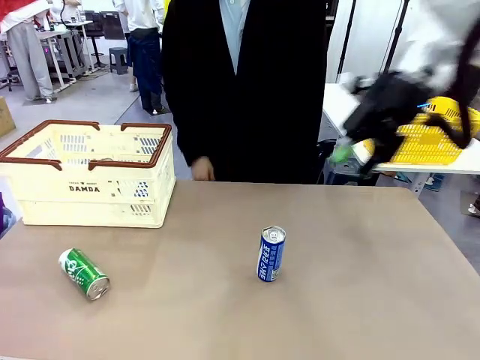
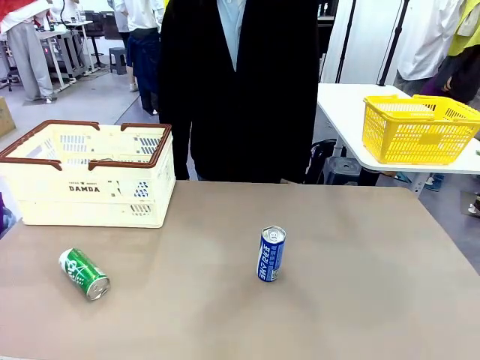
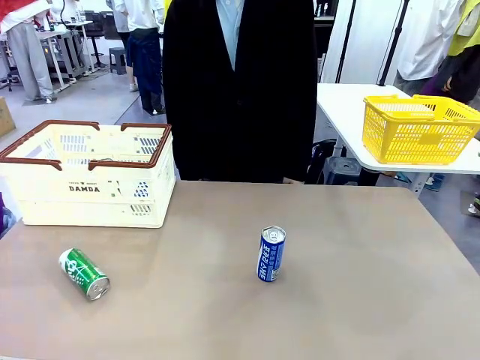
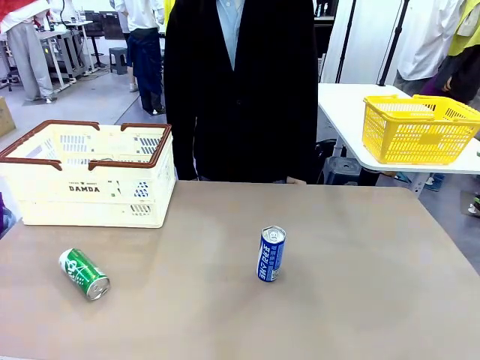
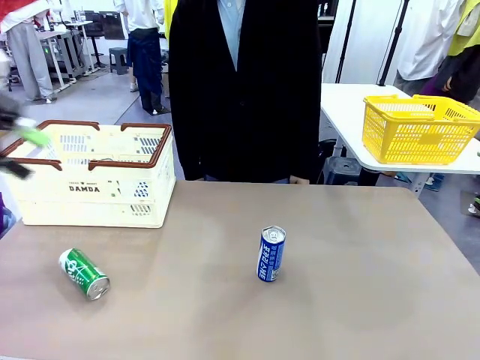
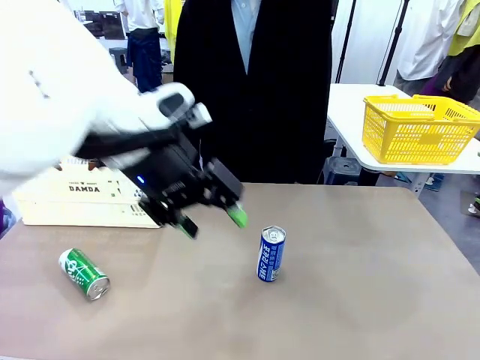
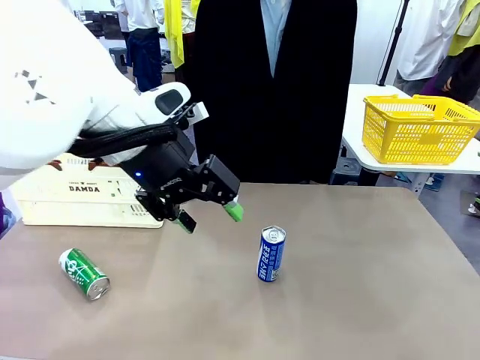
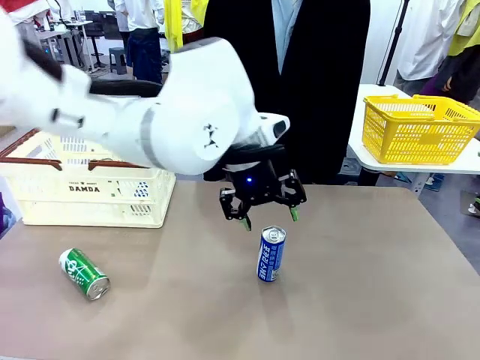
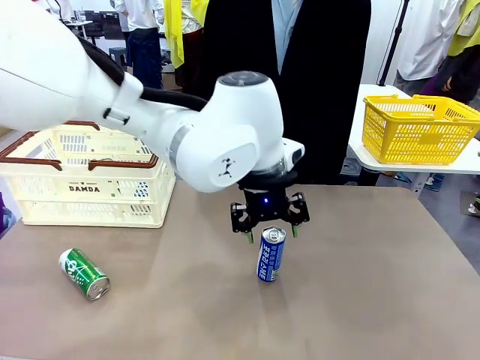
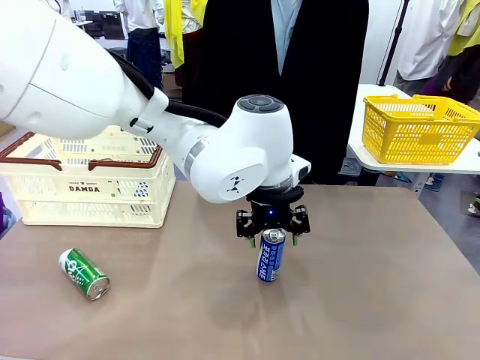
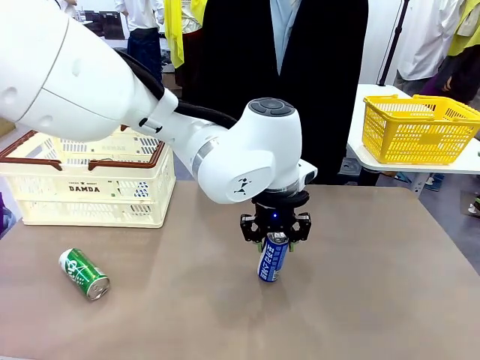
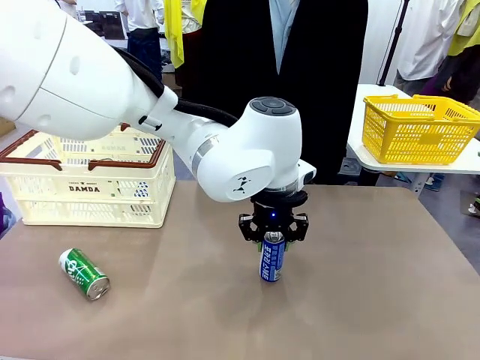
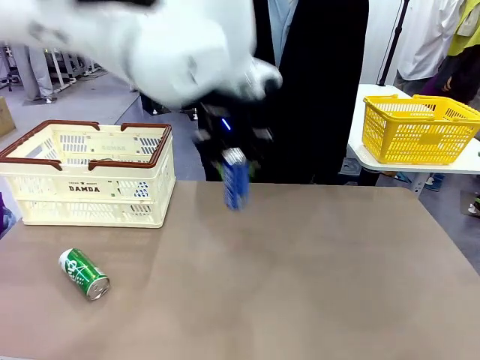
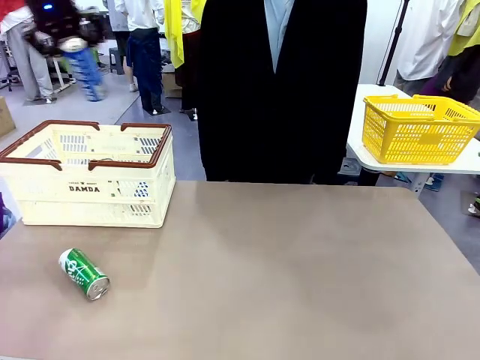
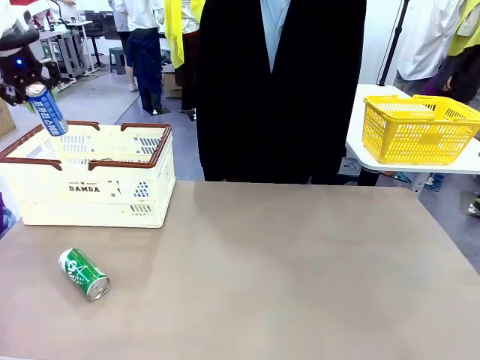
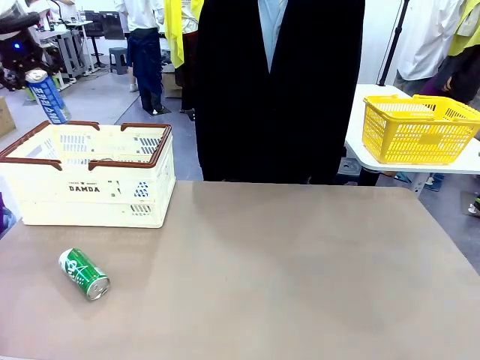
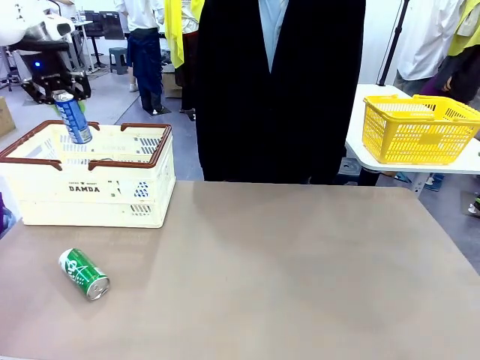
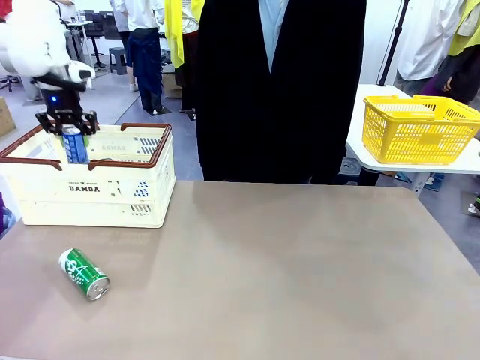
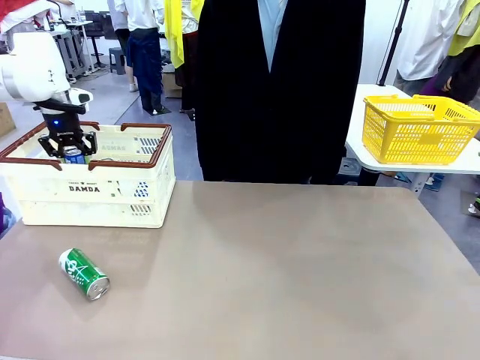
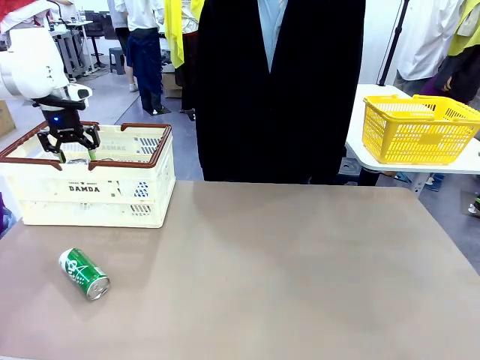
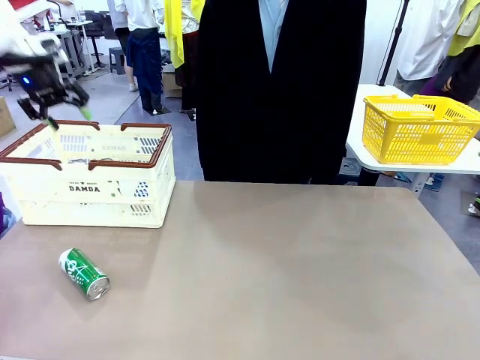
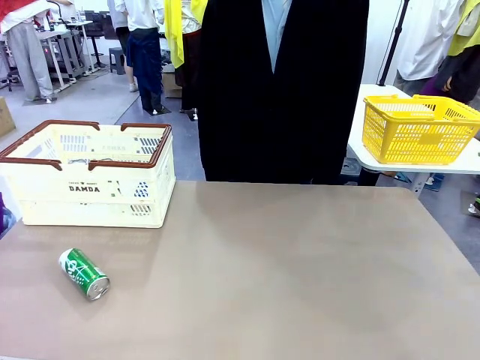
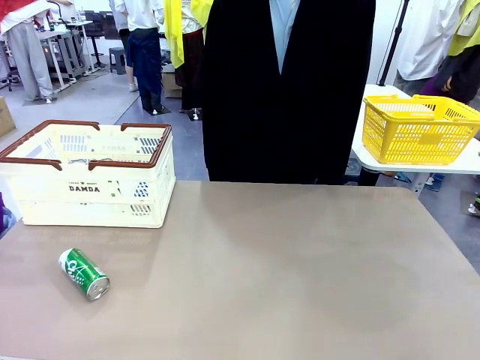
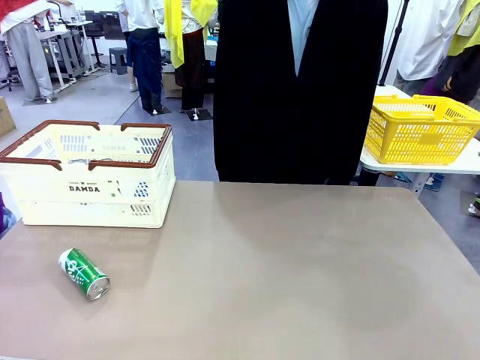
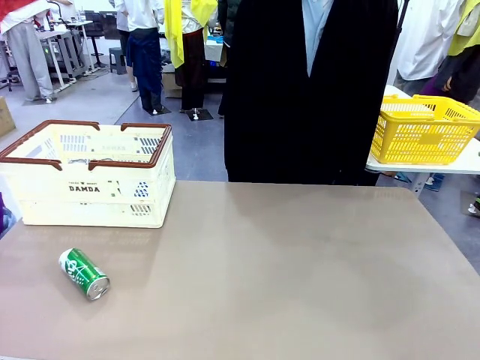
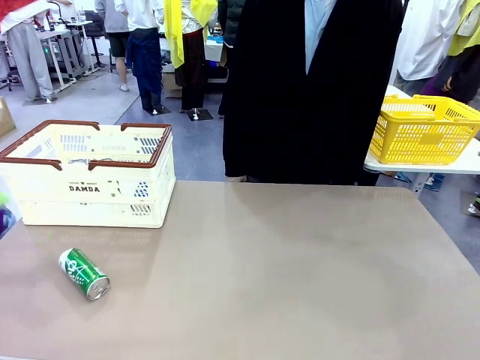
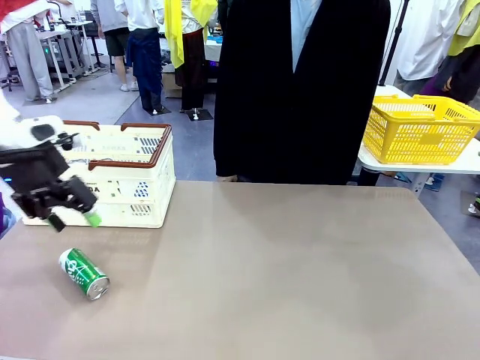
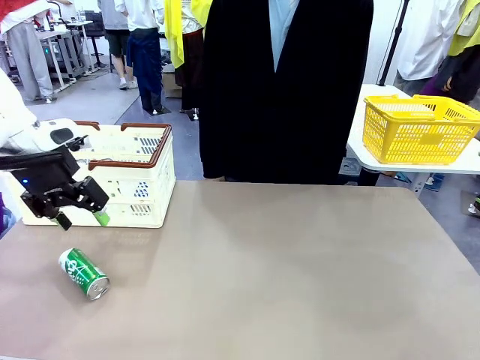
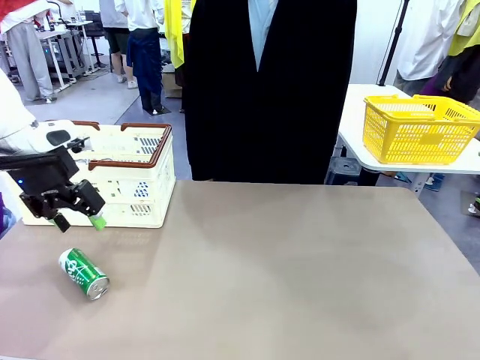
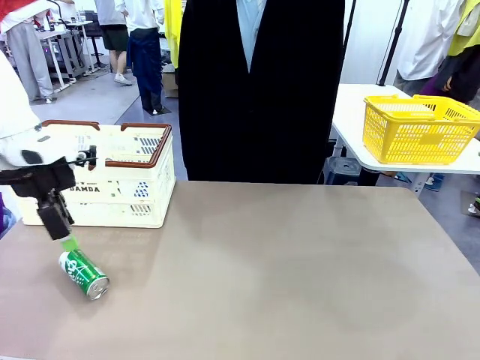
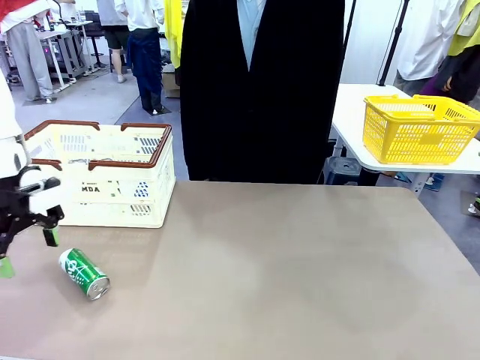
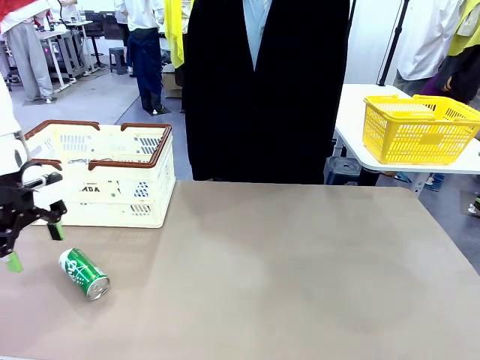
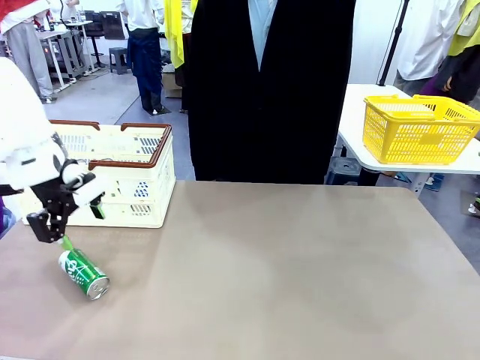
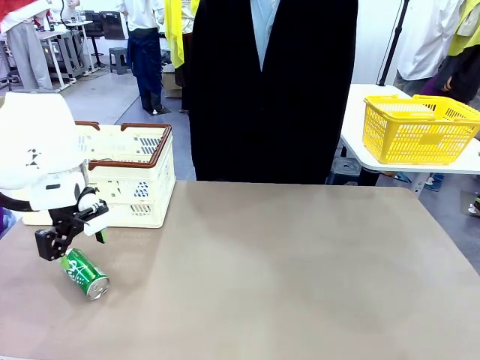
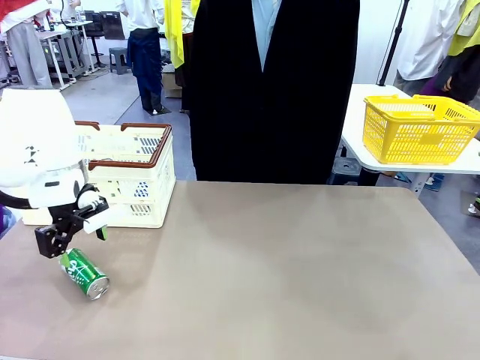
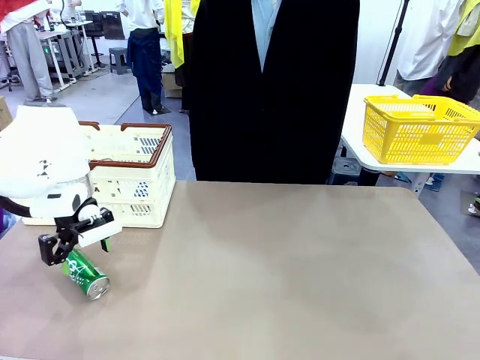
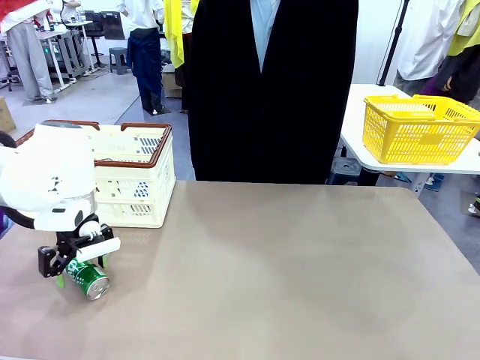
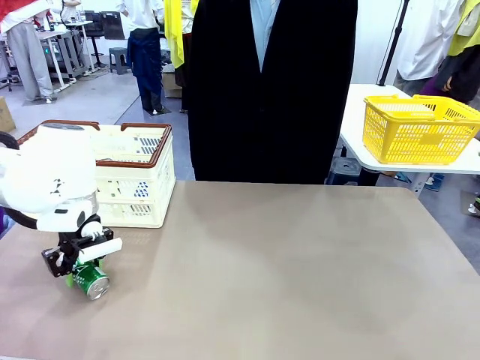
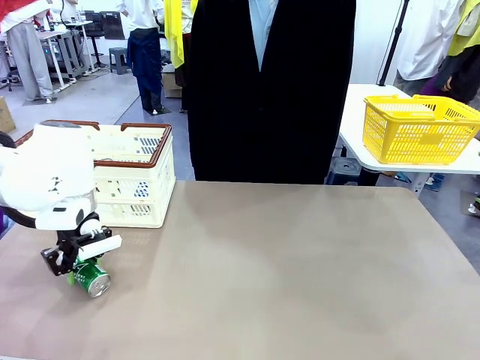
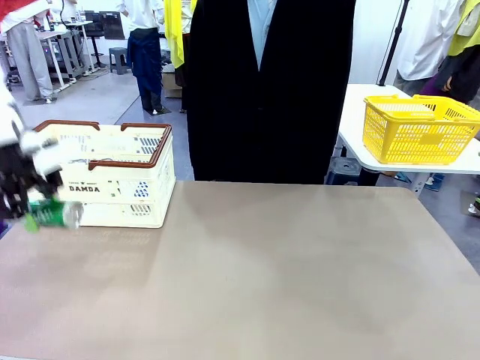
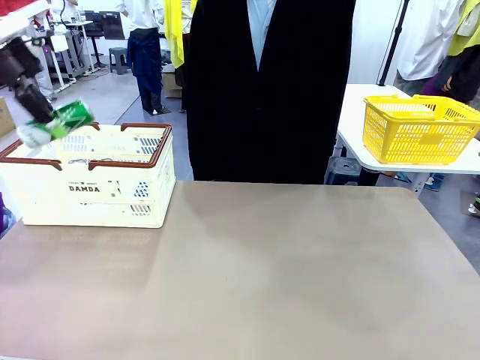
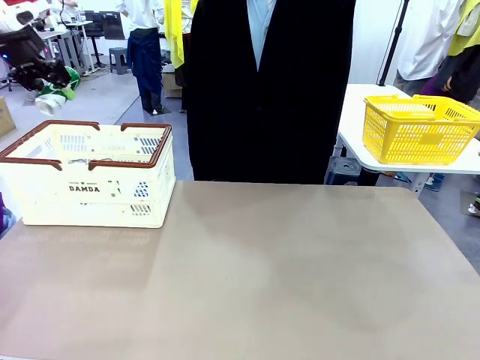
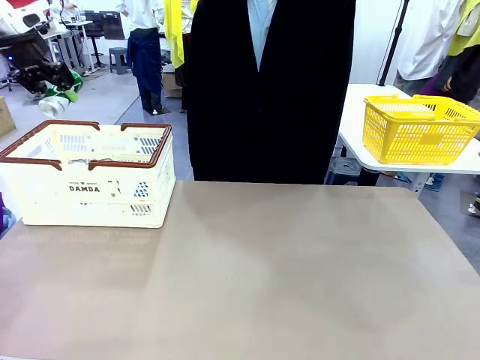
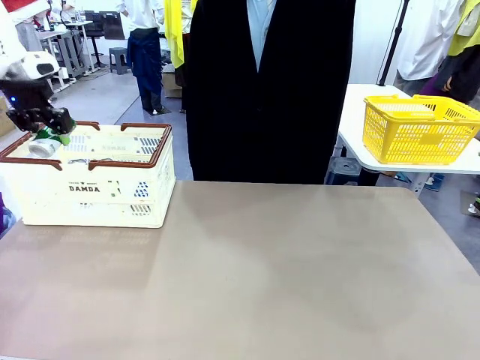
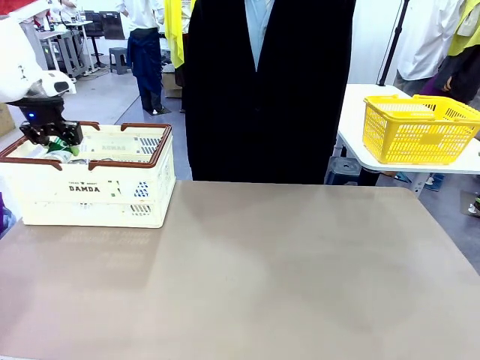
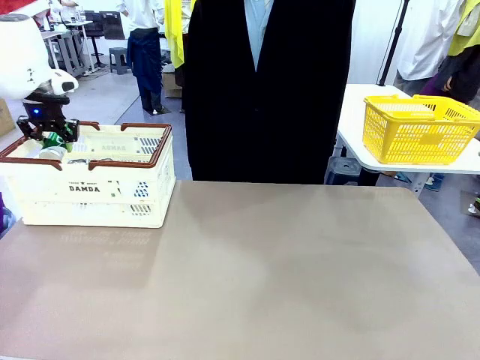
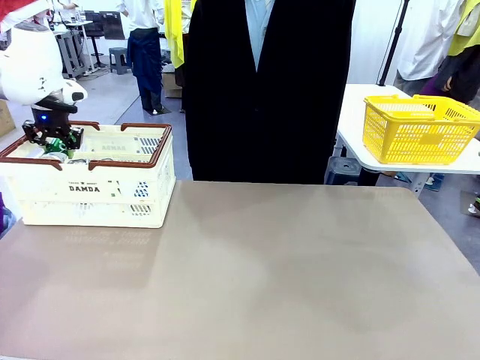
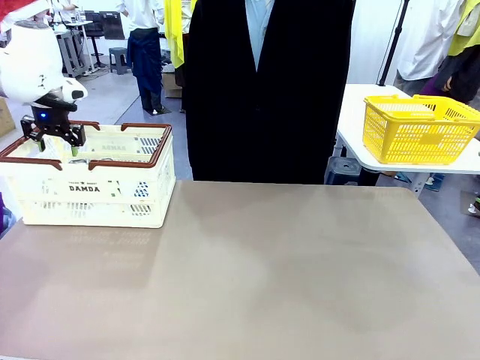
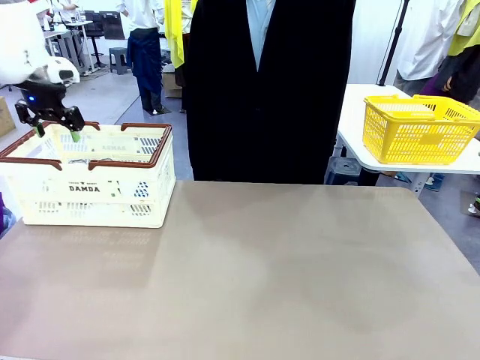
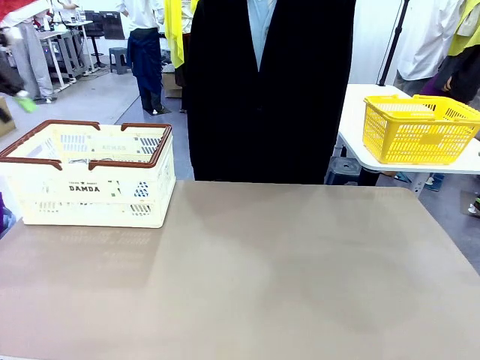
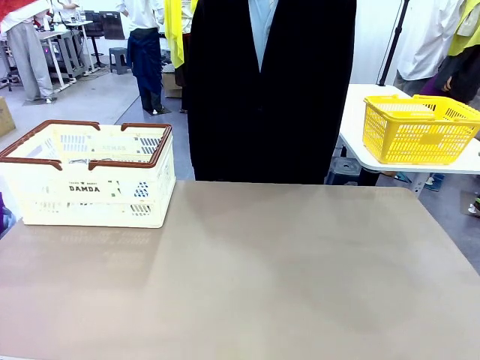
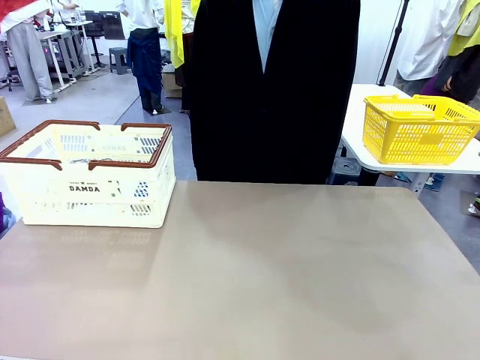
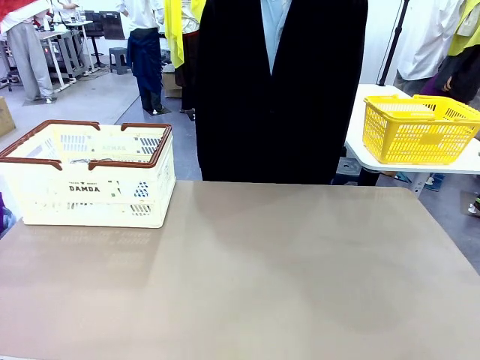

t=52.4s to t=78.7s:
Task: Place the drinks into the Shopping basket.
Robot: Pick up one drink and place it into the Shopping basket.
